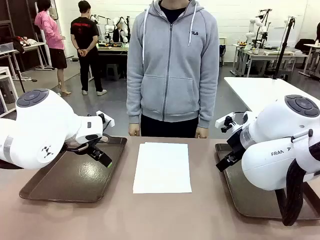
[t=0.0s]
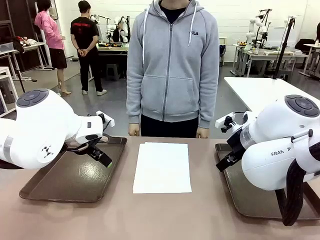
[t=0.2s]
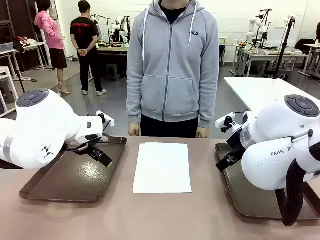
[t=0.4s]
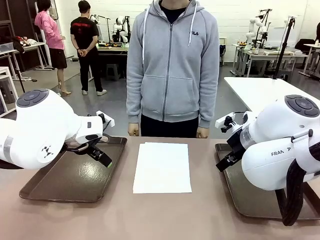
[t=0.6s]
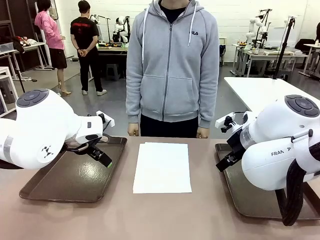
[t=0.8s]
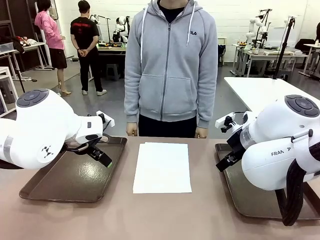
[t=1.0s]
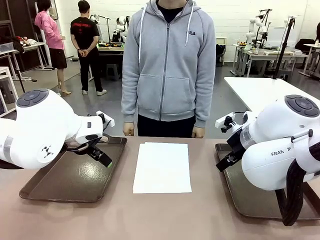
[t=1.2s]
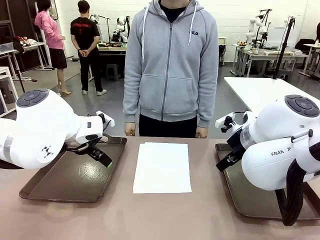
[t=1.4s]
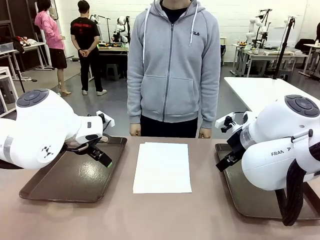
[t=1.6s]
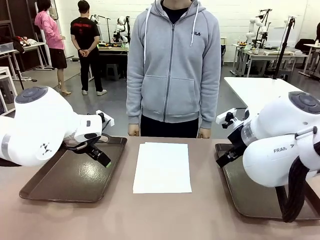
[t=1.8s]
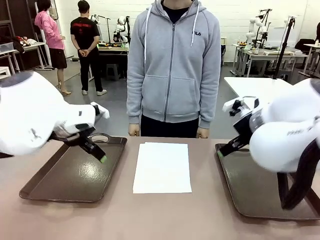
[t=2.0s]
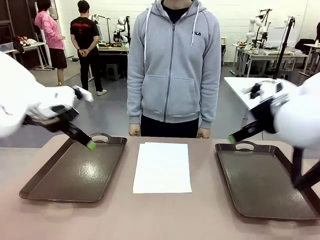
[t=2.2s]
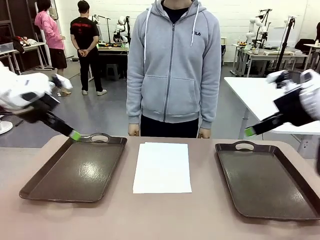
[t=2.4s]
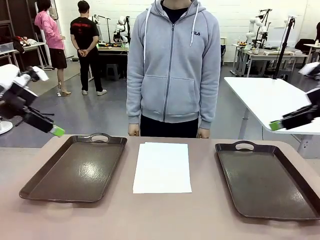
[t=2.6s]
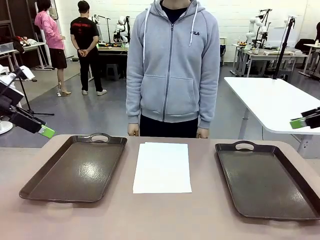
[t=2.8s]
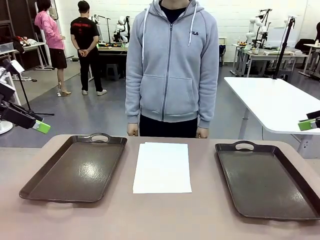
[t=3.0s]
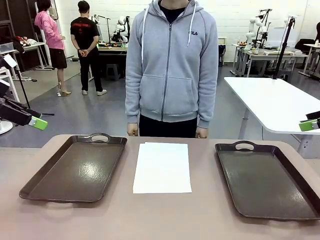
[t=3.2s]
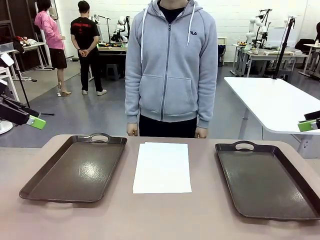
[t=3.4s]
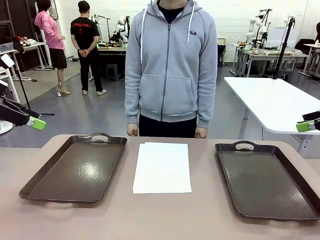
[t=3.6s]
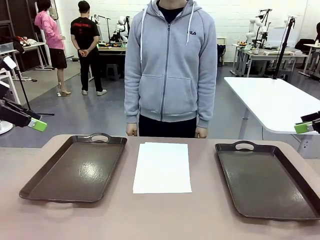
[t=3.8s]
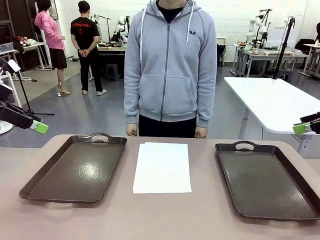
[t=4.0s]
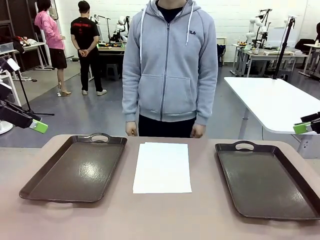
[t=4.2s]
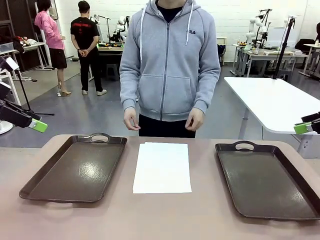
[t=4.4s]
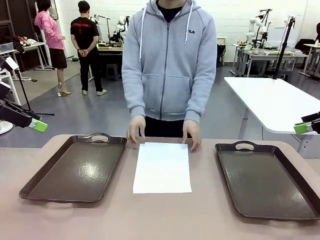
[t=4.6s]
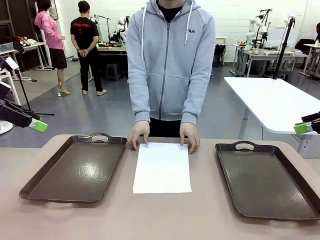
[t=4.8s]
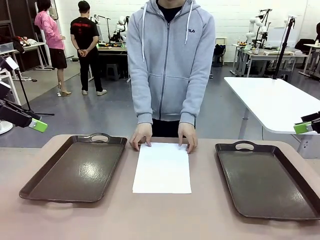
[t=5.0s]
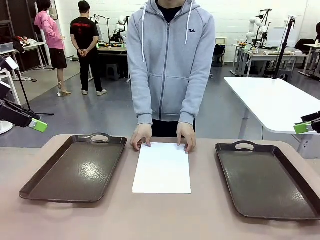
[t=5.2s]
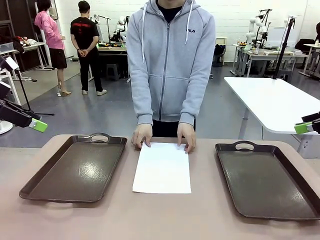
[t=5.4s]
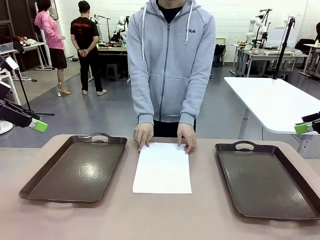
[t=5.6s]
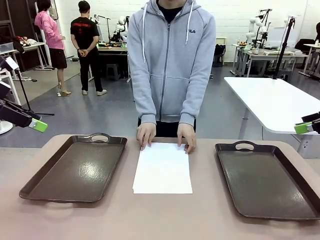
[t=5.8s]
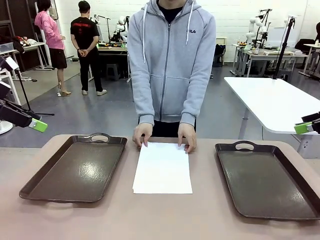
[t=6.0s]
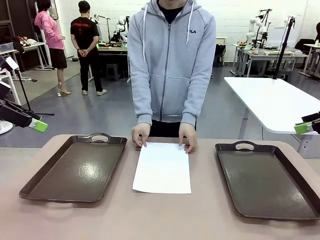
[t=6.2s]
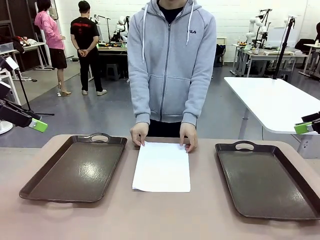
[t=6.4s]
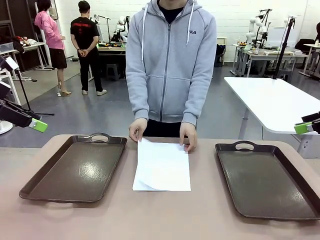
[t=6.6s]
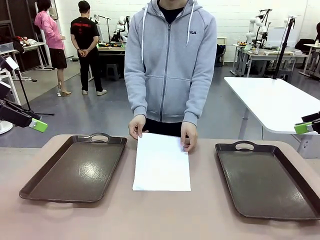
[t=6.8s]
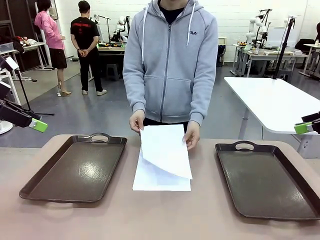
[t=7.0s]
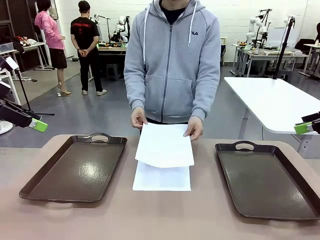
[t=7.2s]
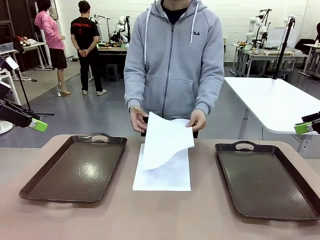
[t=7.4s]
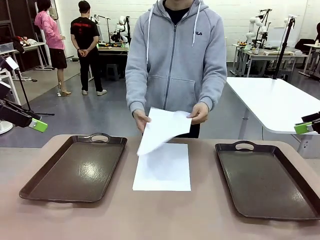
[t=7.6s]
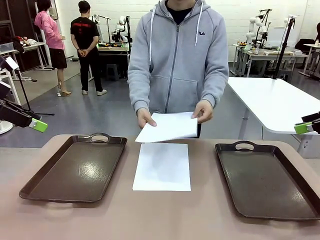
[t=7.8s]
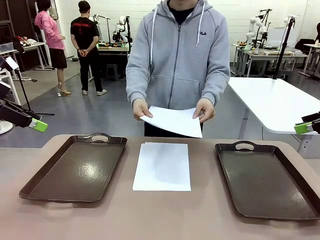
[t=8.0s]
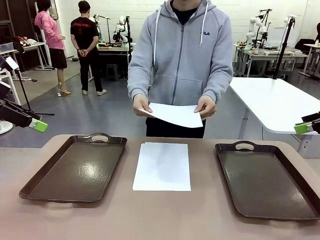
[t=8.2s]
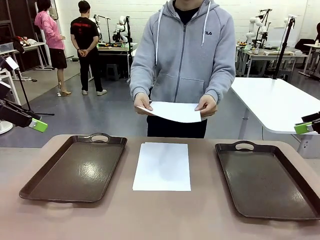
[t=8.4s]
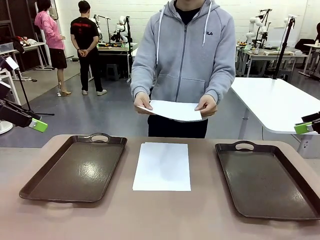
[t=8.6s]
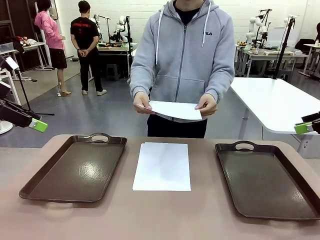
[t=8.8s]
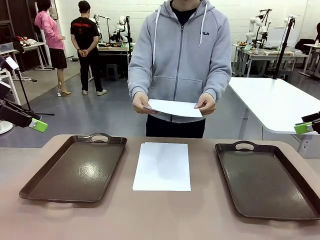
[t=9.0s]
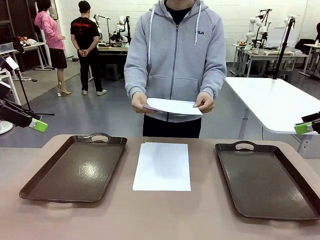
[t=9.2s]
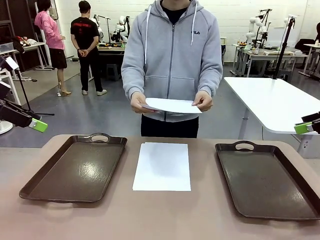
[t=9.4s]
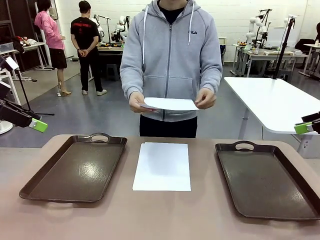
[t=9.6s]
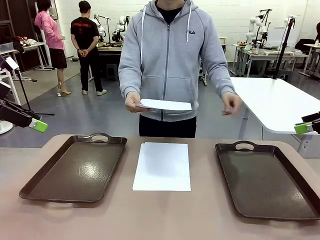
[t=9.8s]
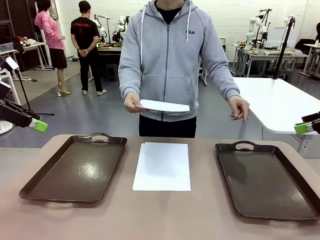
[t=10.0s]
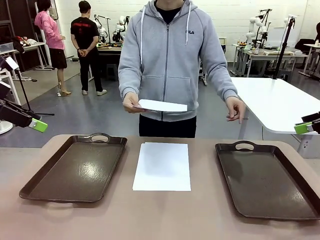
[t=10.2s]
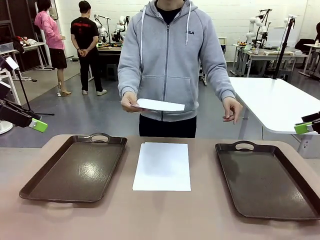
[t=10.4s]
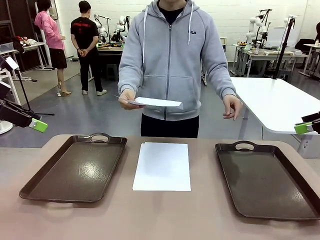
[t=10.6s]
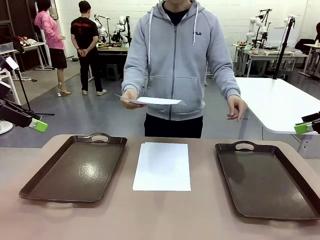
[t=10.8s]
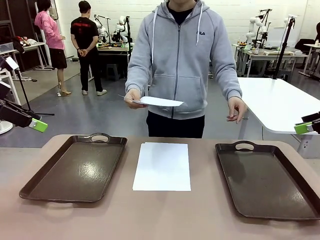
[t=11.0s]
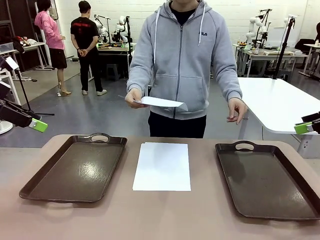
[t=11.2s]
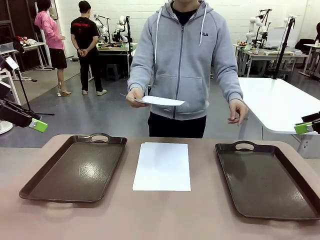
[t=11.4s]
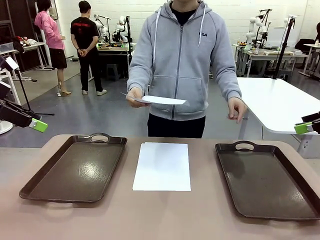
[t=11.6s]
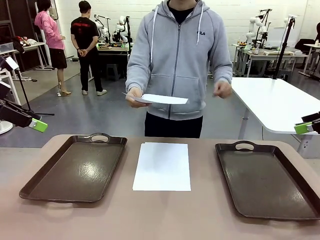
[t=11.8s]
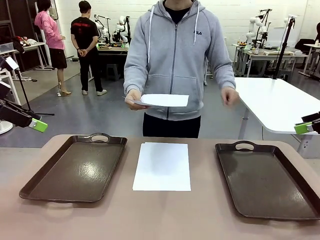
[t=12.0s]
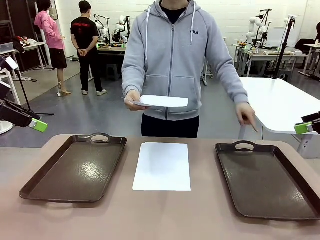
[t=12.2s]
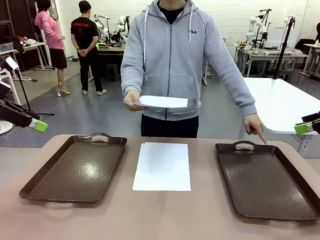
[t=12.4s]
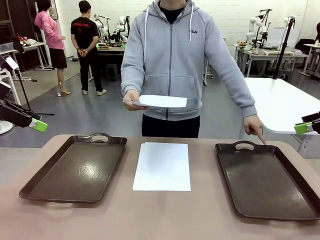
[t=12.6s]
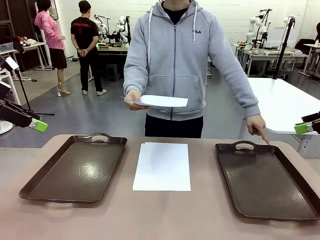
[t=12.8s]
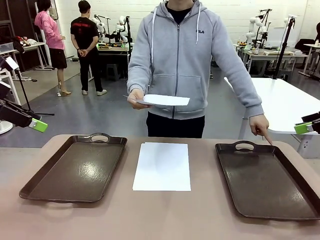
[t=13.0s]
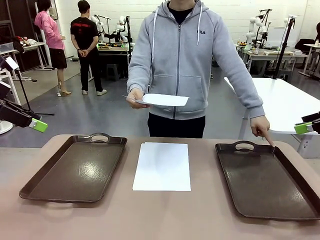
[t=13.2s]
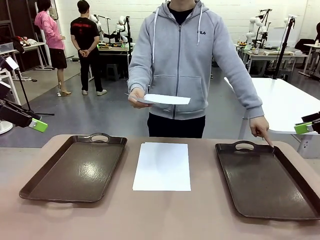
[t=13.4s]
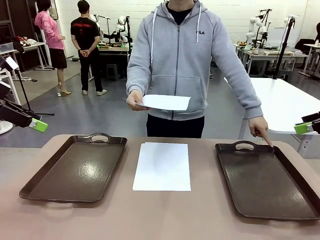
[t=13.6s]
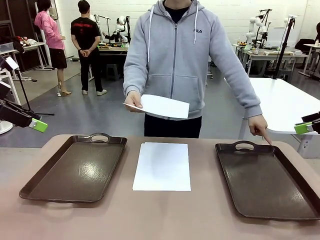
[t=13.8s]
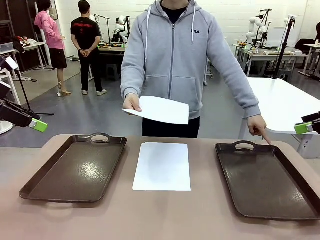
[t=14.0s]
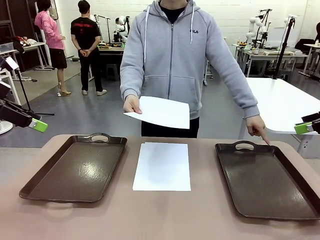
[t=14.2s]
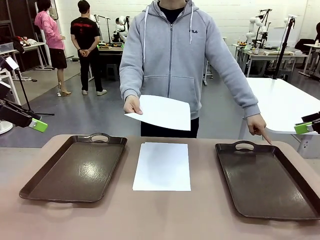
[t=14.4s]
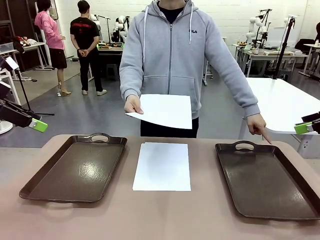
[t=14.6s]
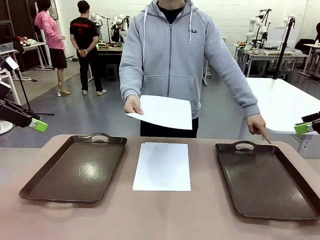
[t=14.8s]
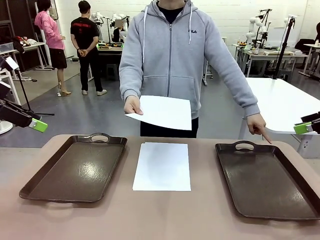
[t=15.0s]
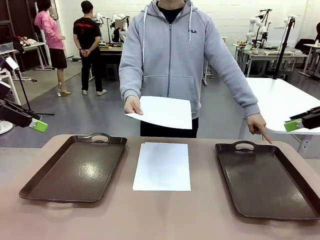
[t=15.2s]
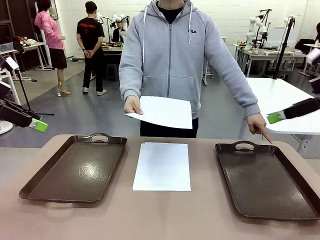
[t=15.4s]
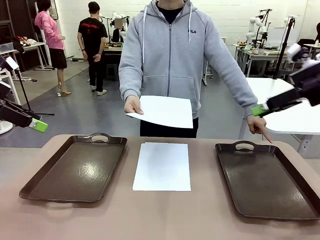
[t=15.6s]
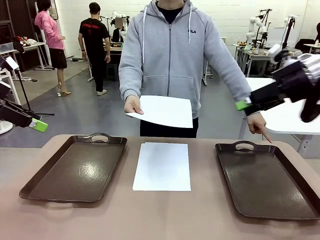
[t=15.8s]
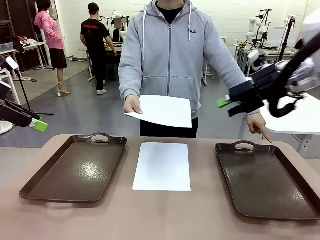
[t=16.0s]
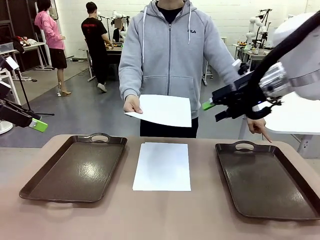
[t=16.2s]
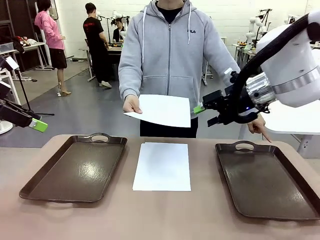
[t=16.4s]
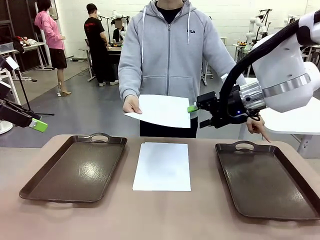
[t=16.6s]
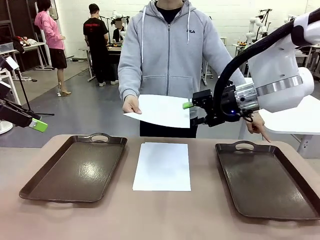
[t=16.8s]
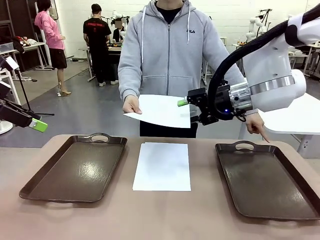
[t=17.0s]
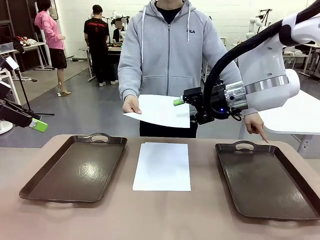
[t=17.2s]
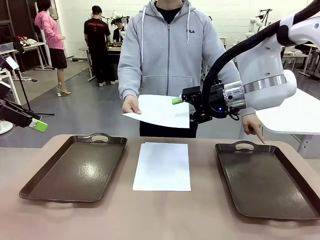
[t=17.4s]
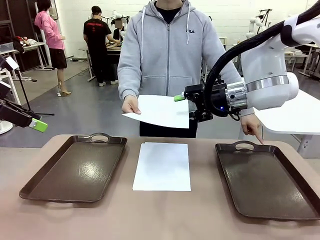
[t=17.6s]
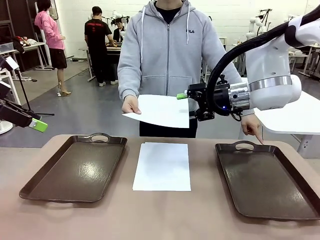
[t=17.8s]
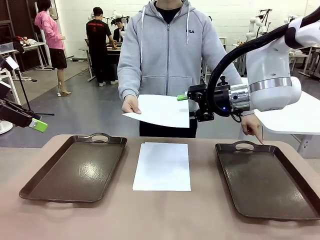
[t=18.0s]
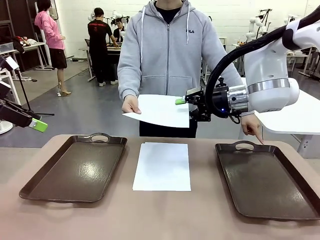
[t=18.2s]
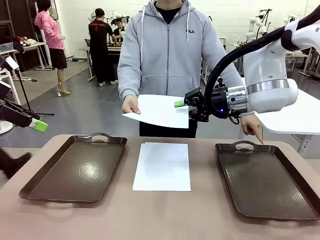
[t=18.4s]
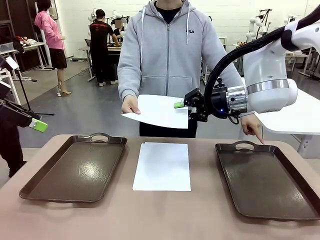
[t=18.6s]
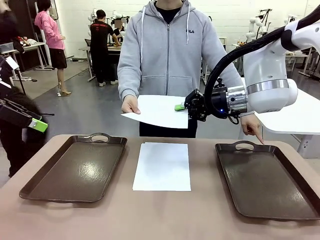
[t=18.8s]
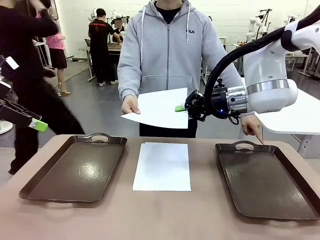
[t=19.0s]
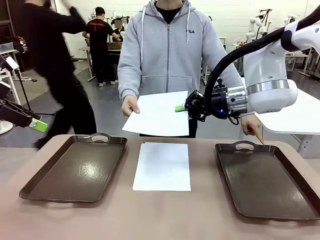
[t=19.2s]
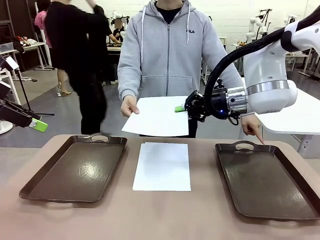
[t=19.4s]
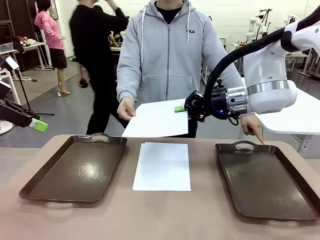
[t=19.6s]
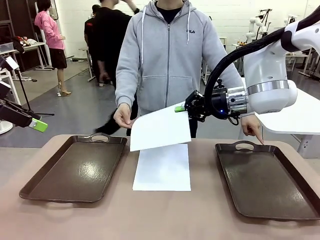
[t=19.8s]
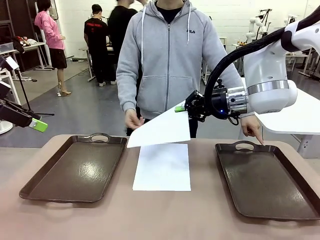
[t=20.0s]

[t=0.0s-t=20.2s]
Task: Sort the A4 documents.
Robot: Receive the A4 Paper.
Person: Pick up a sheet of paper from the center of the table and hand it to the robot. Point the randomly selected tray with the other hand.
